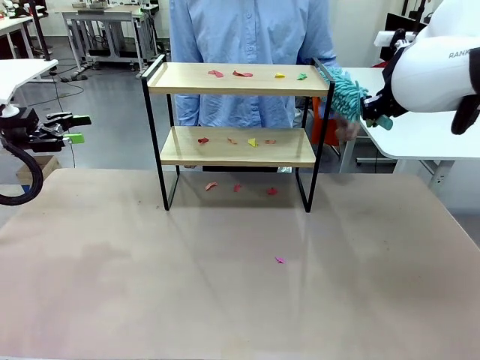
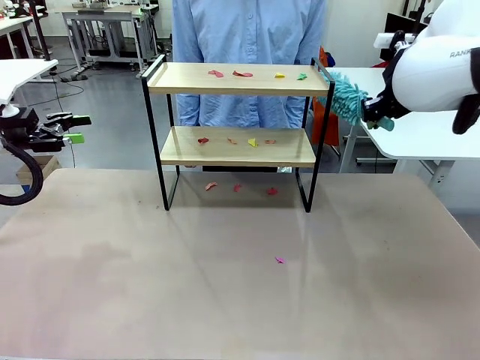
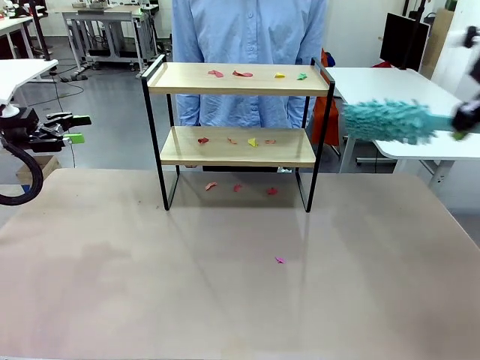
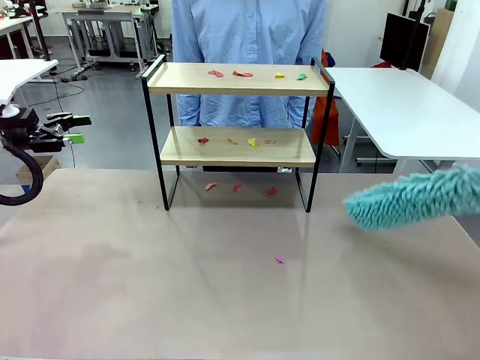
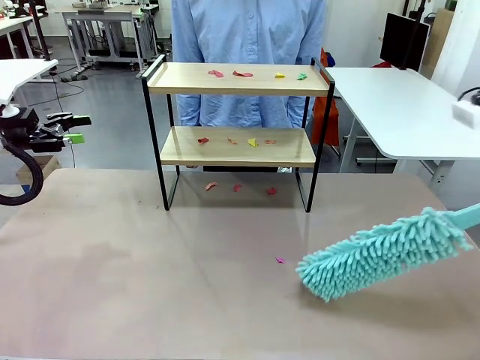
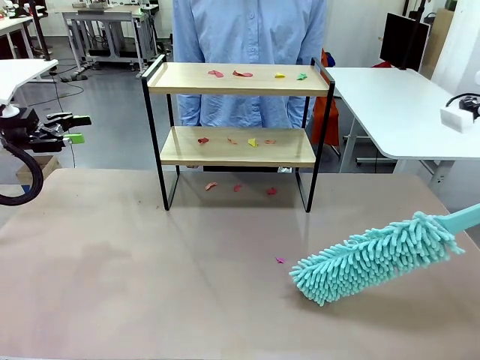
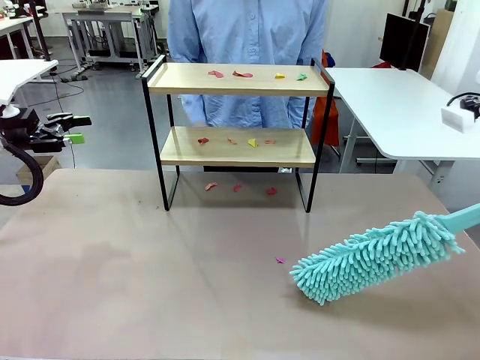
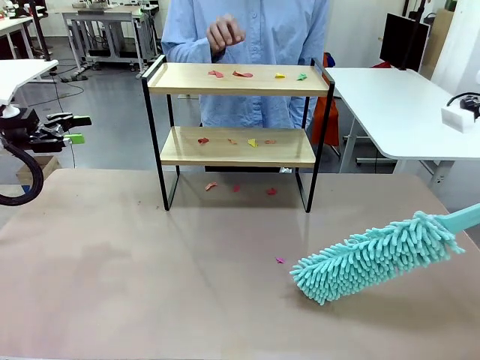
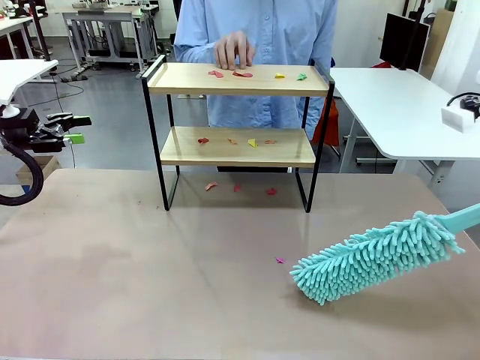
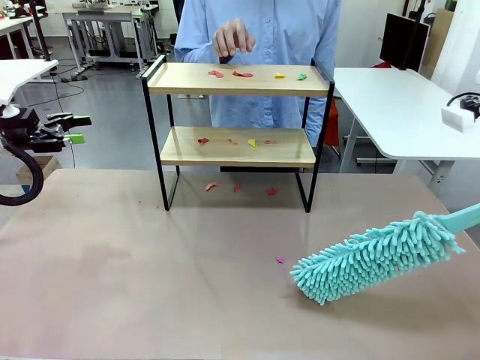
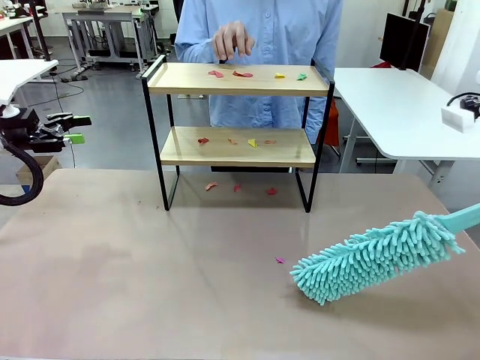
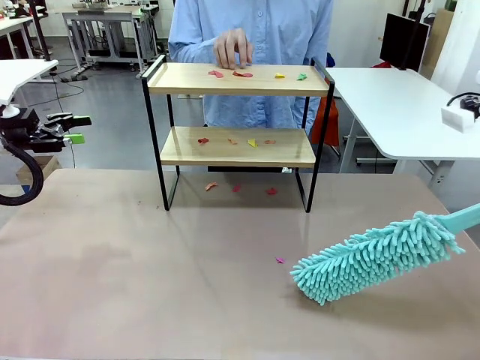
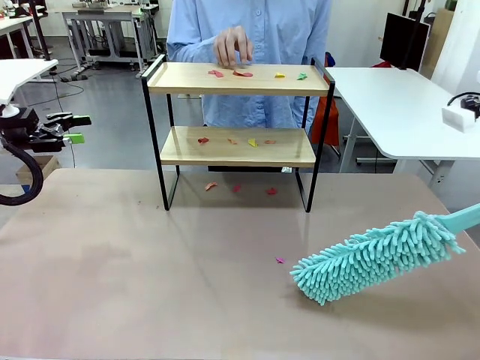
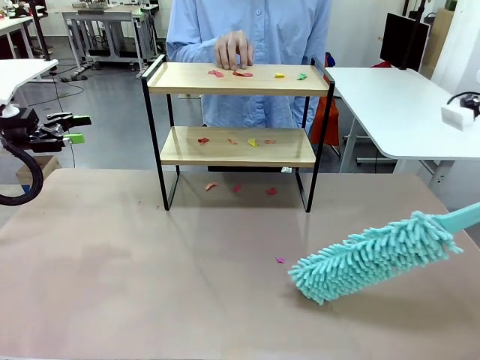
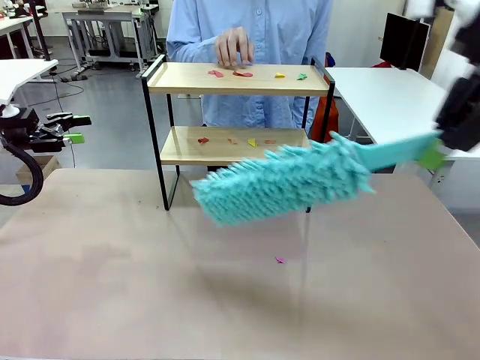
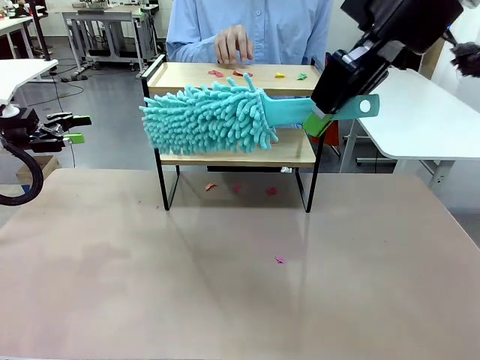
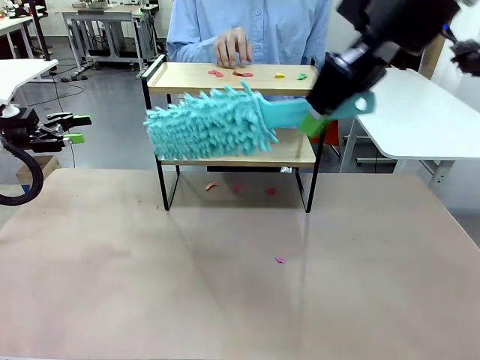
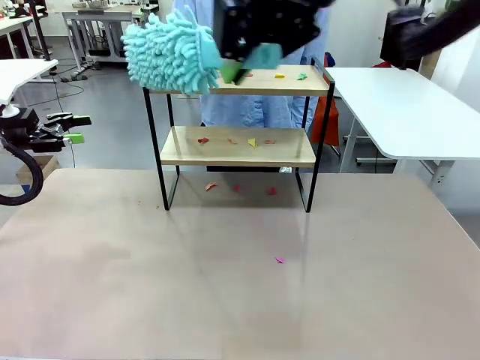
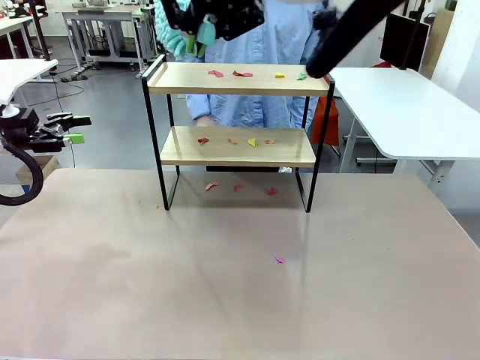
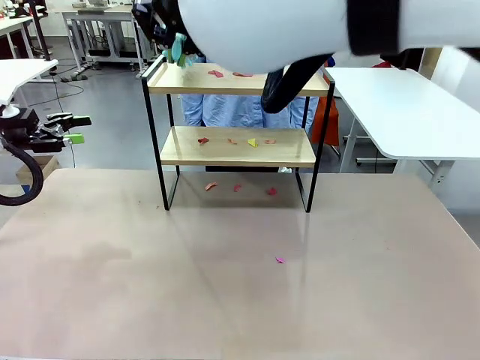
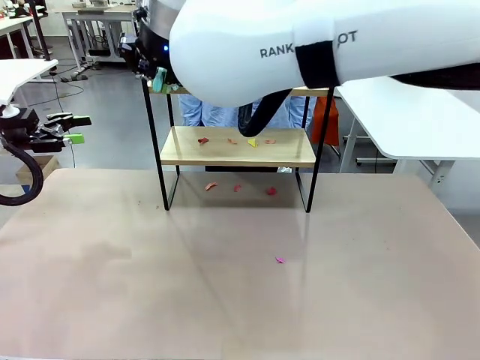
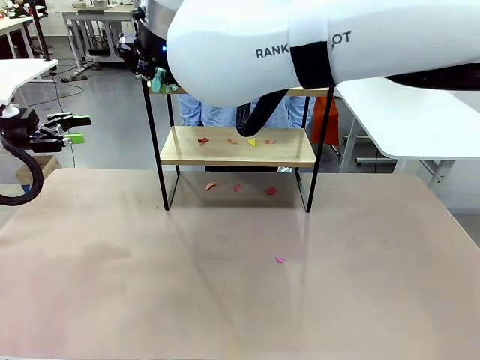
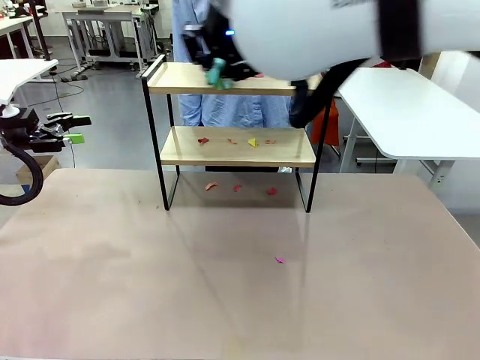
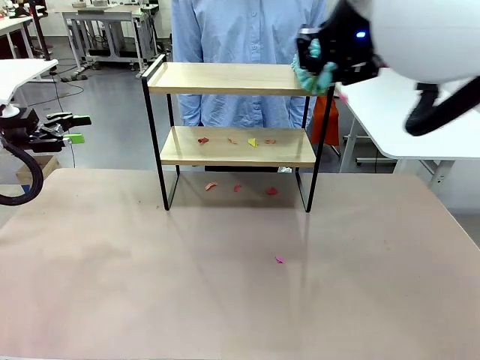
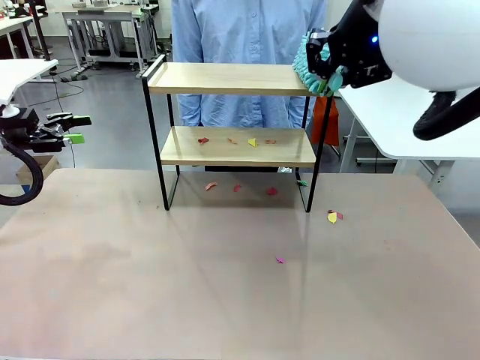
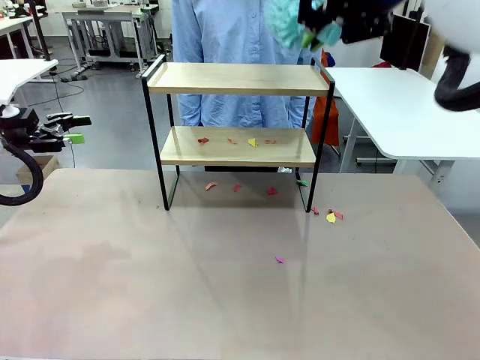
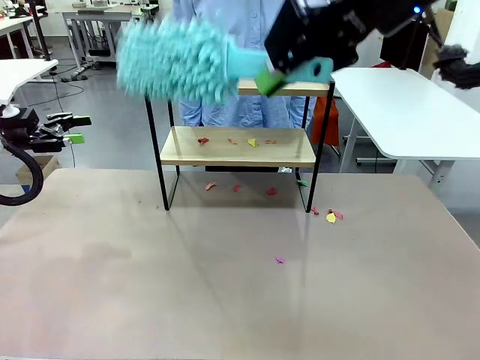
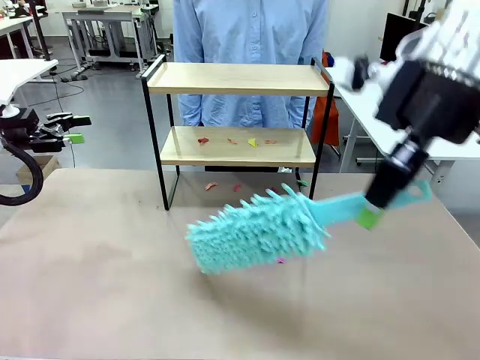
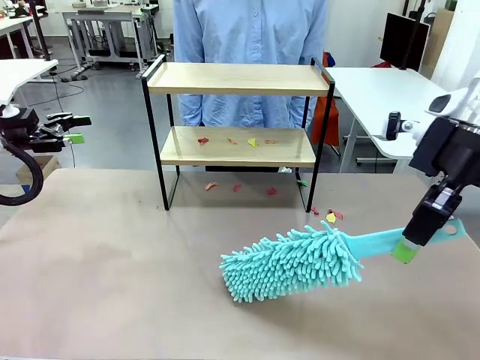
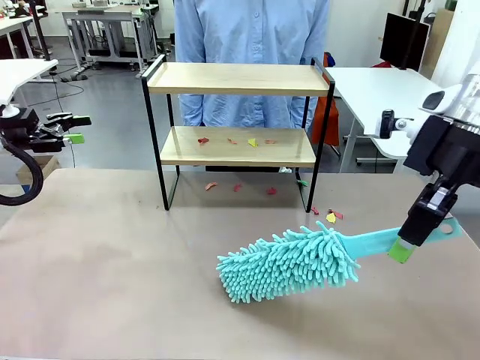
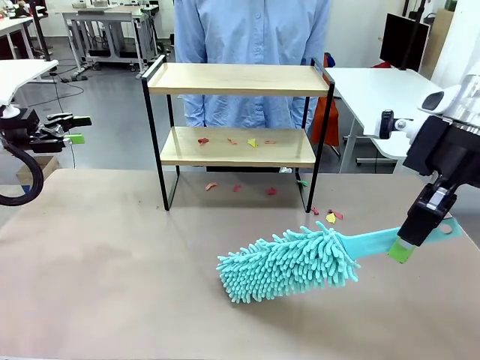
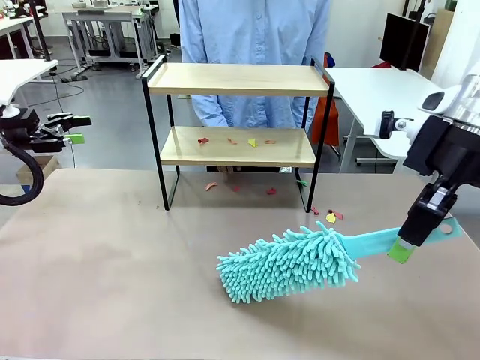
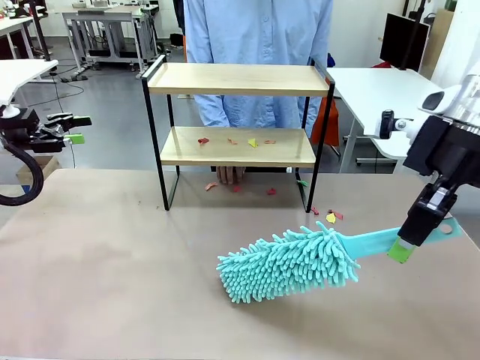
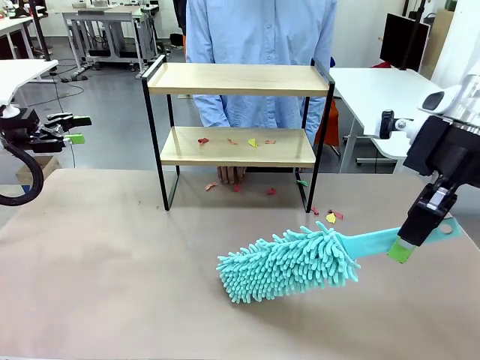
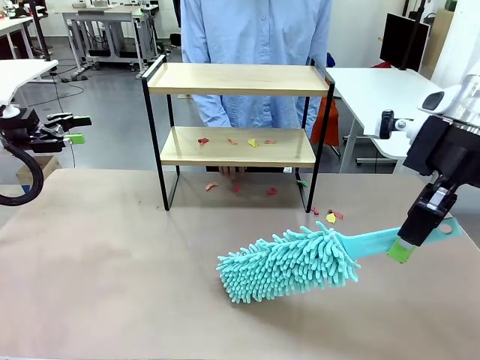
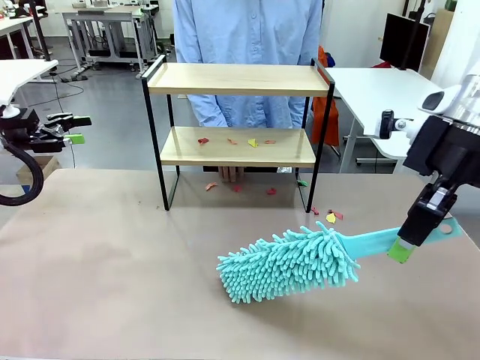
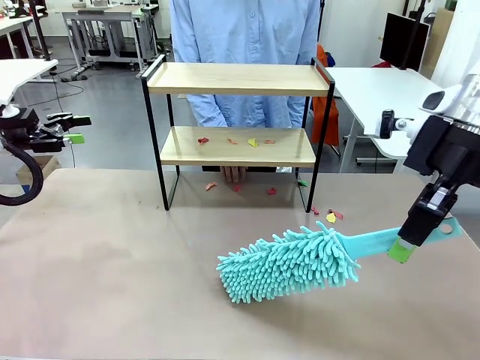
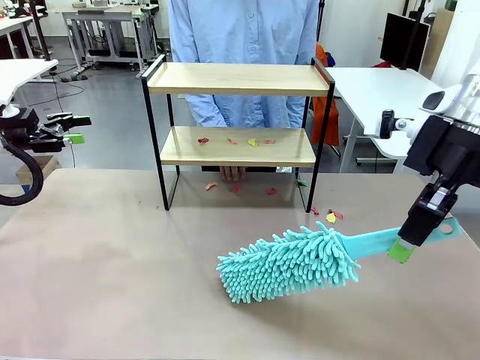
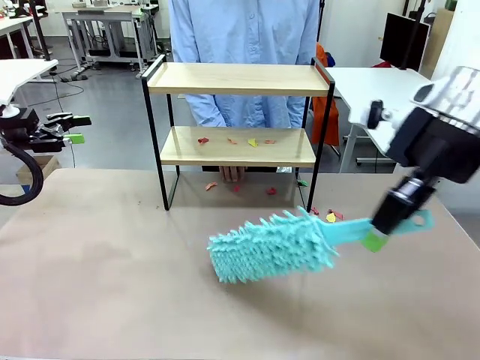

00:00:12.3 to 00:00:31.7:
Task: Clean the shelf.
Robot: Clean the specific section of the Shelf indicated by the human with the Duster.
Person: Point a random section of the Shelf.

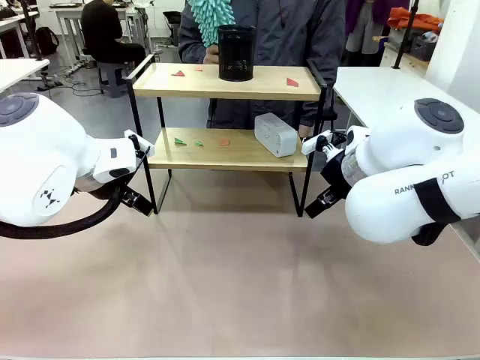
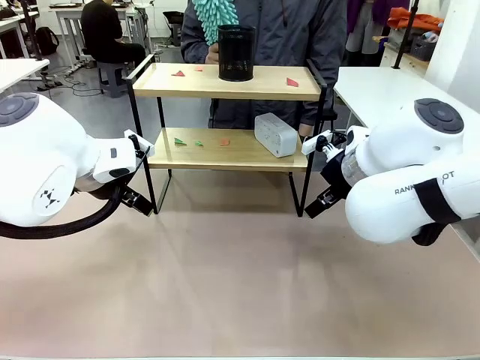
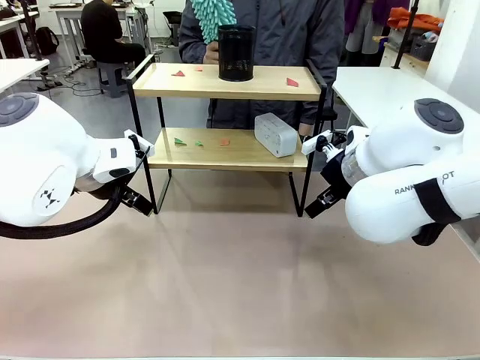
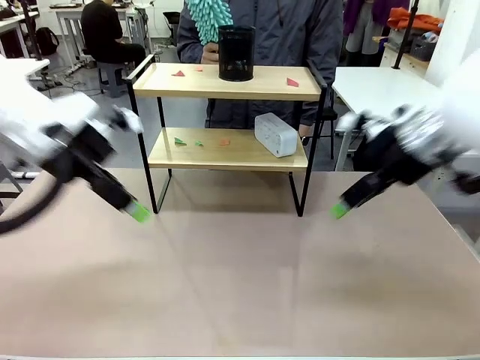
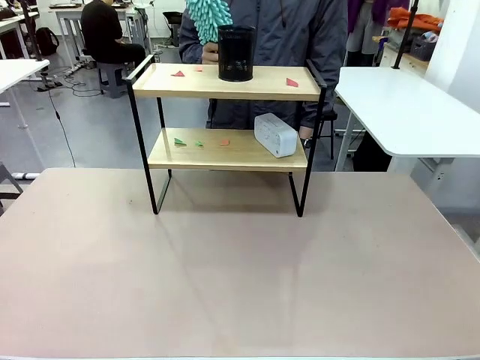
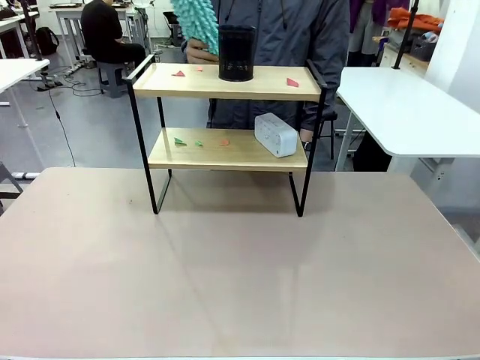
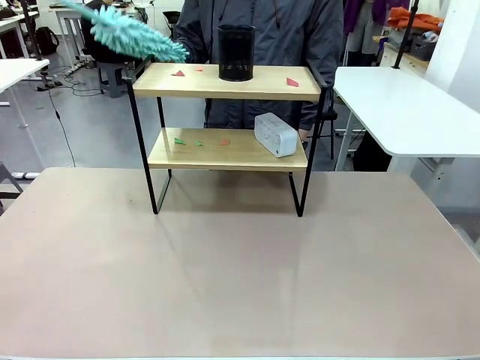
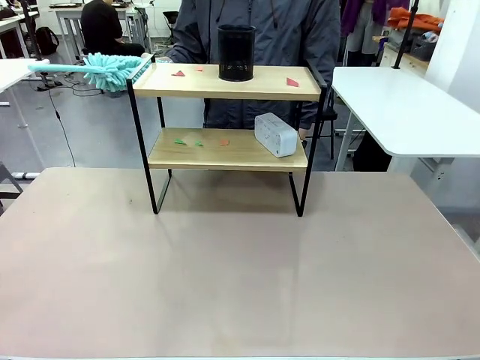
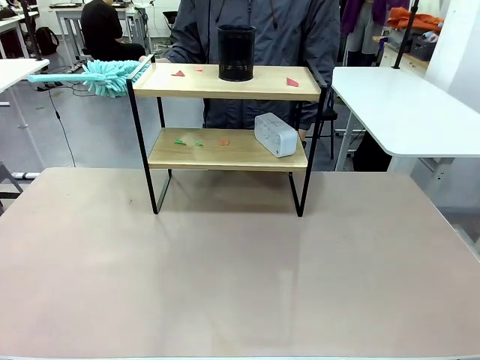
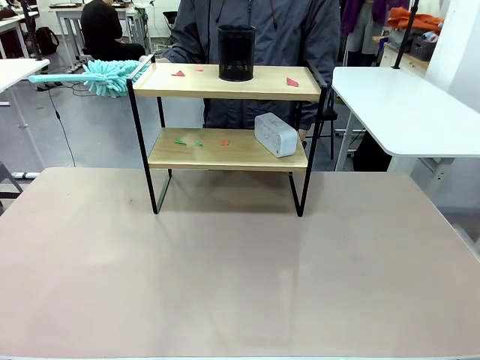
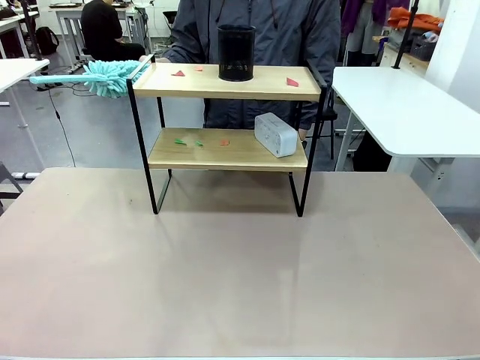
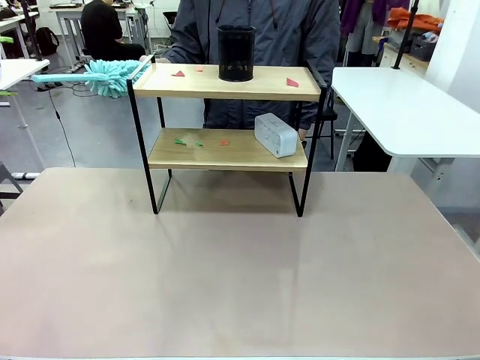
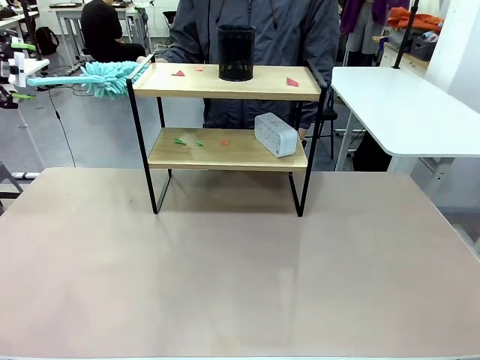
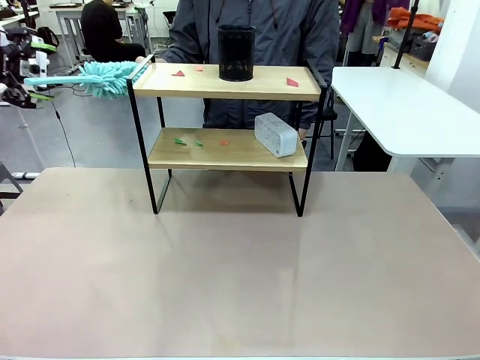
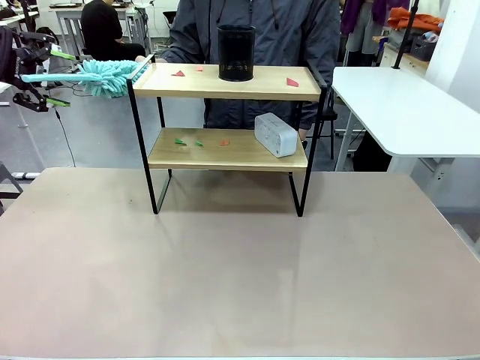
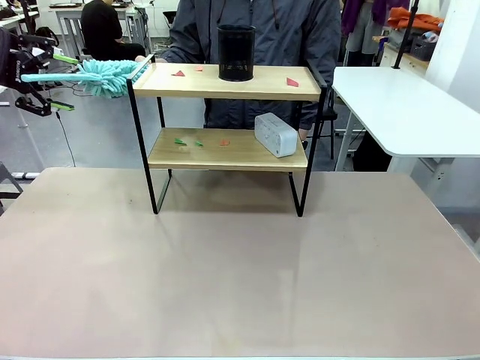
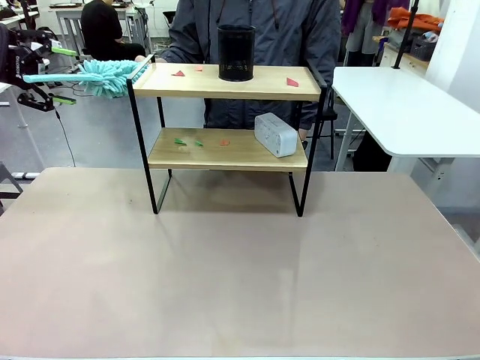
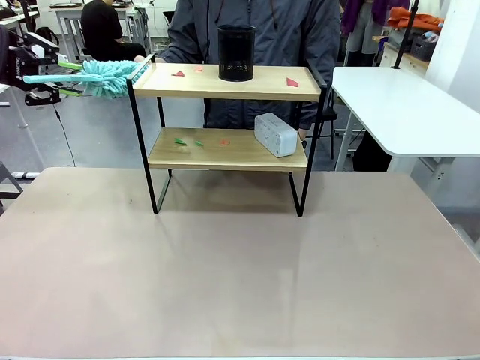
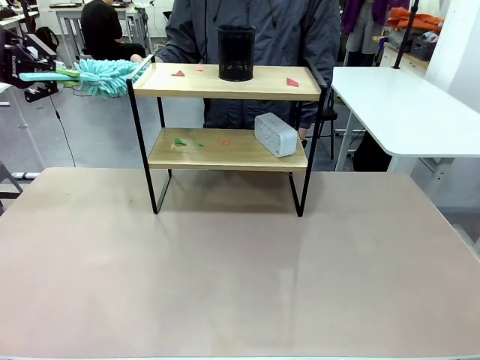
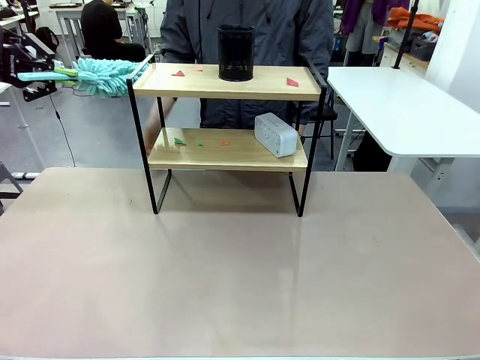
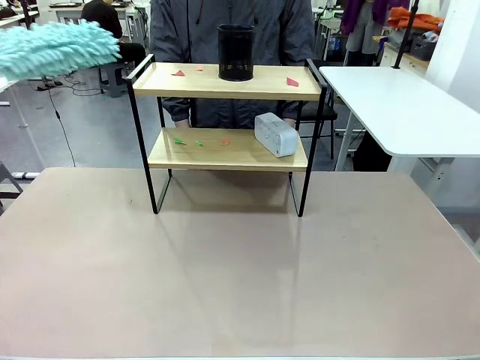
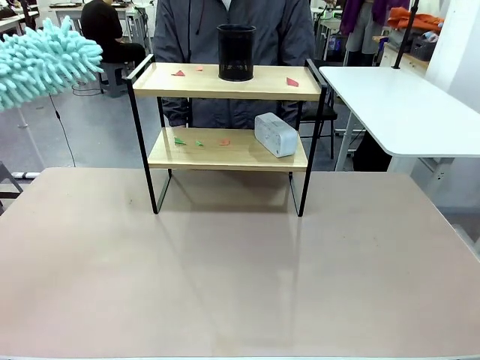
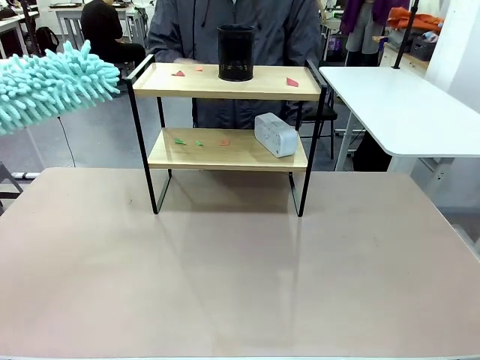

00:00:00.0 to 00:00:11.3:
Task: Clean the shelf.
Robot: Pick up the Duster from the human.
Person: Hand the Duster to the robot.
